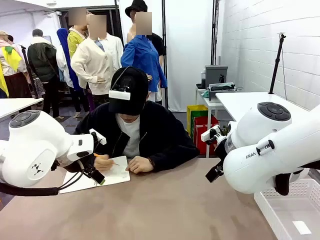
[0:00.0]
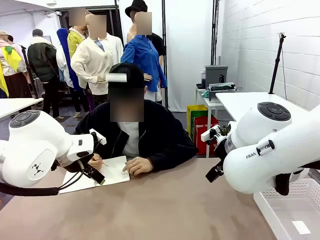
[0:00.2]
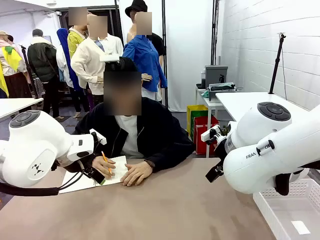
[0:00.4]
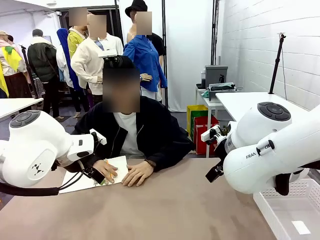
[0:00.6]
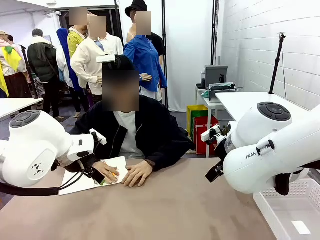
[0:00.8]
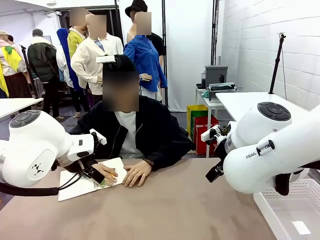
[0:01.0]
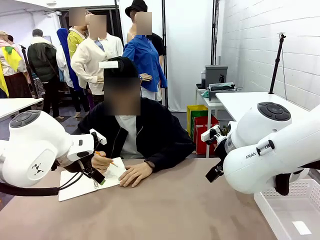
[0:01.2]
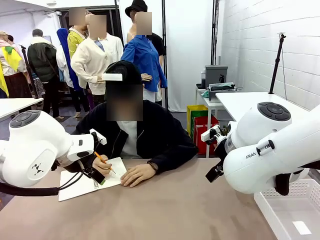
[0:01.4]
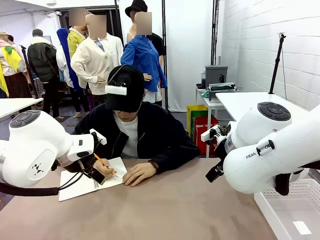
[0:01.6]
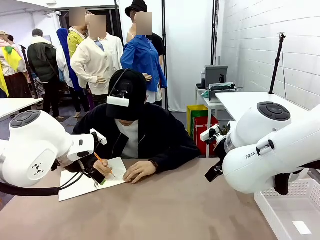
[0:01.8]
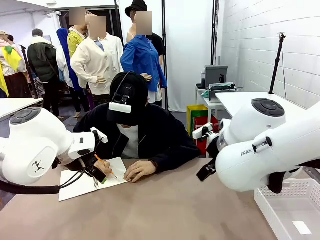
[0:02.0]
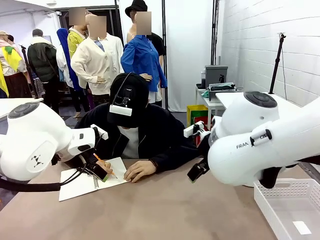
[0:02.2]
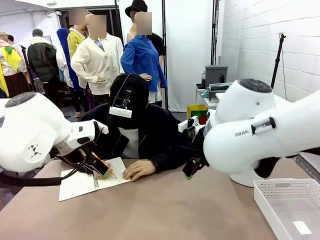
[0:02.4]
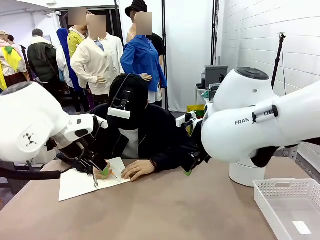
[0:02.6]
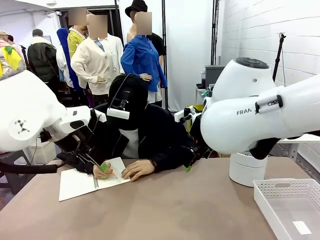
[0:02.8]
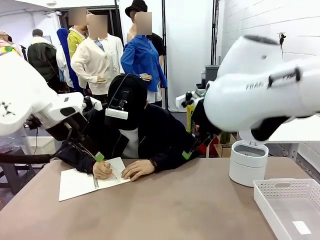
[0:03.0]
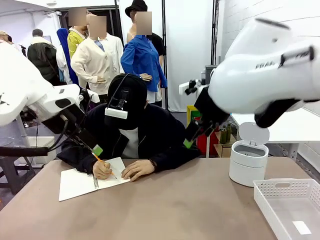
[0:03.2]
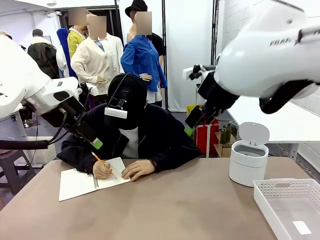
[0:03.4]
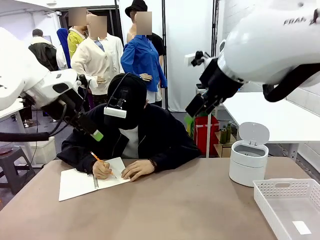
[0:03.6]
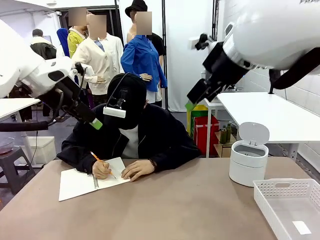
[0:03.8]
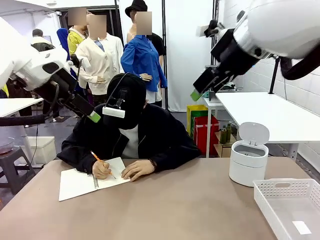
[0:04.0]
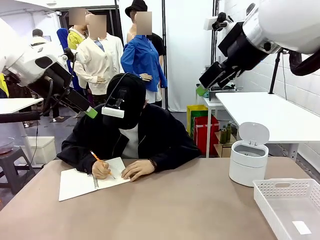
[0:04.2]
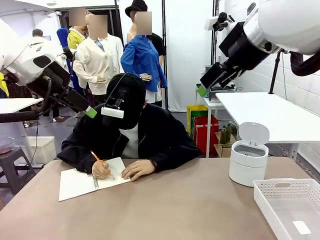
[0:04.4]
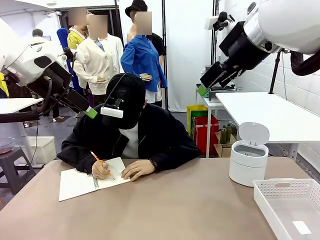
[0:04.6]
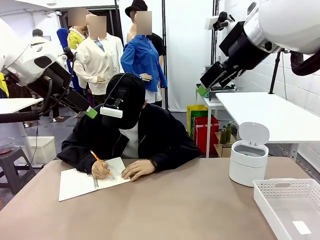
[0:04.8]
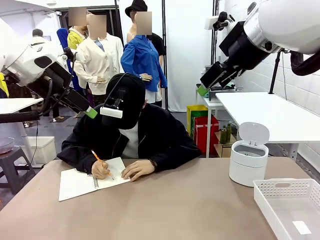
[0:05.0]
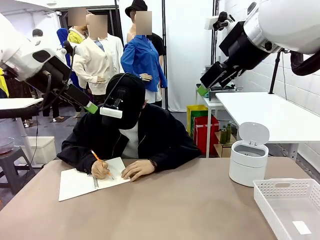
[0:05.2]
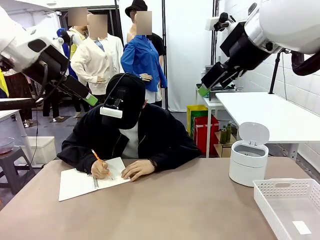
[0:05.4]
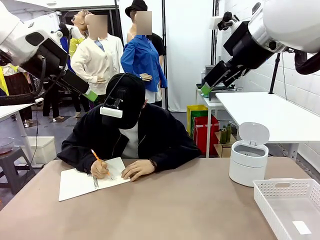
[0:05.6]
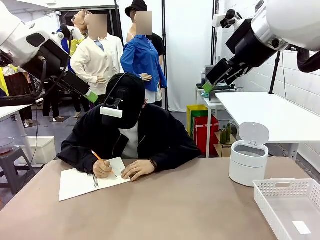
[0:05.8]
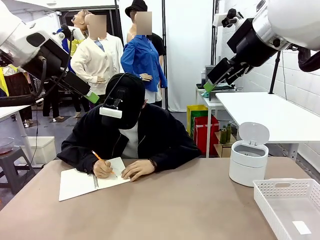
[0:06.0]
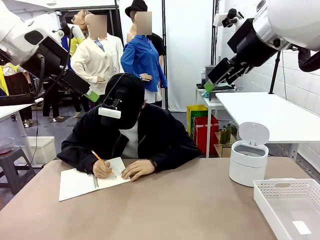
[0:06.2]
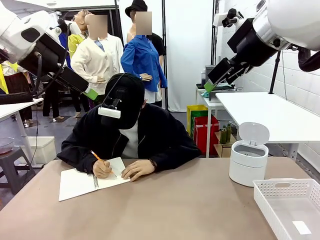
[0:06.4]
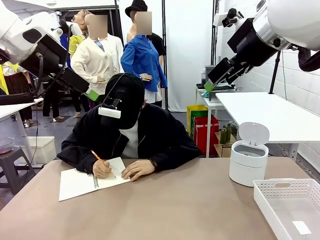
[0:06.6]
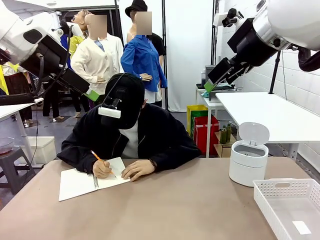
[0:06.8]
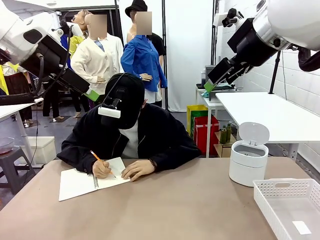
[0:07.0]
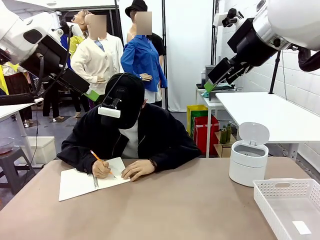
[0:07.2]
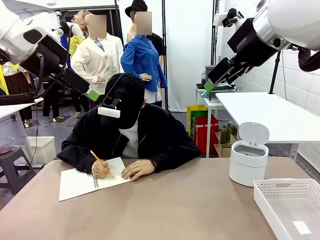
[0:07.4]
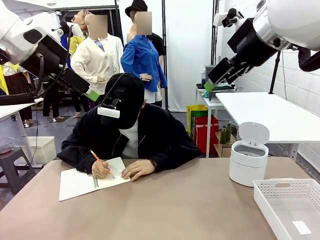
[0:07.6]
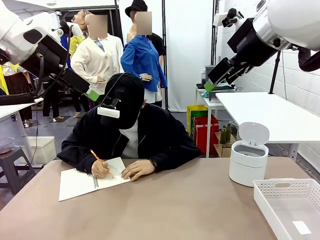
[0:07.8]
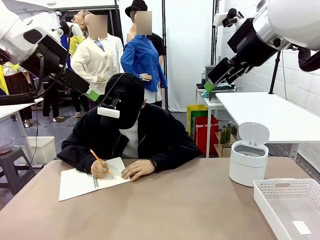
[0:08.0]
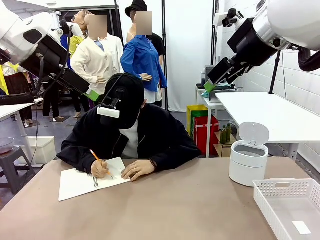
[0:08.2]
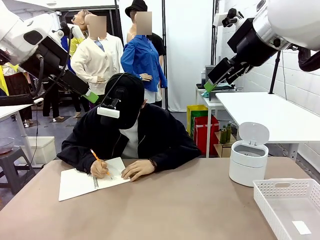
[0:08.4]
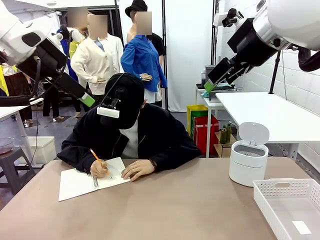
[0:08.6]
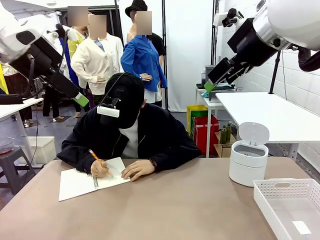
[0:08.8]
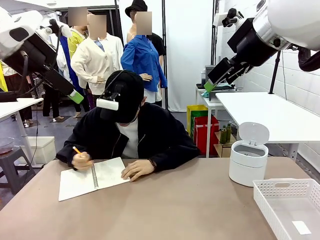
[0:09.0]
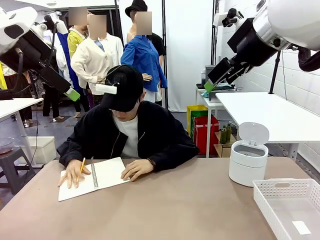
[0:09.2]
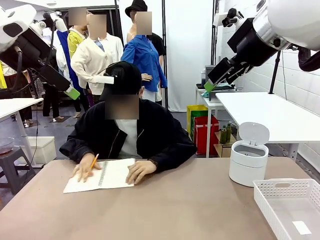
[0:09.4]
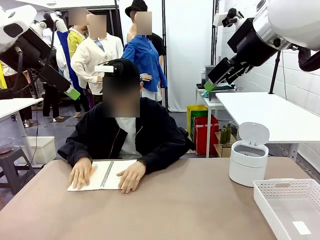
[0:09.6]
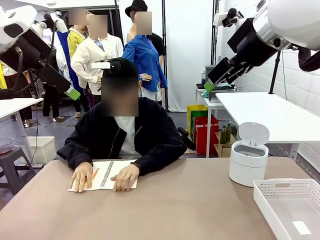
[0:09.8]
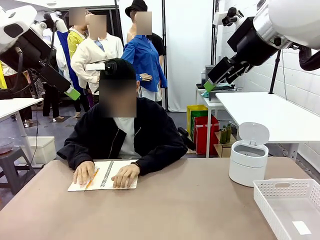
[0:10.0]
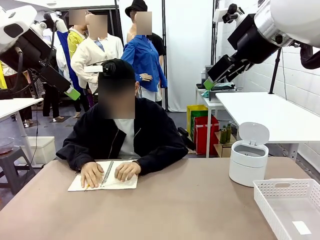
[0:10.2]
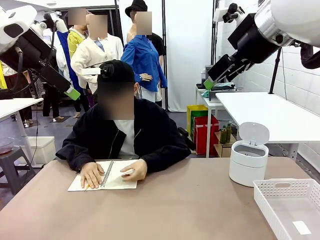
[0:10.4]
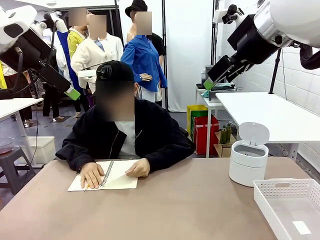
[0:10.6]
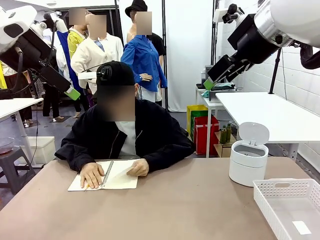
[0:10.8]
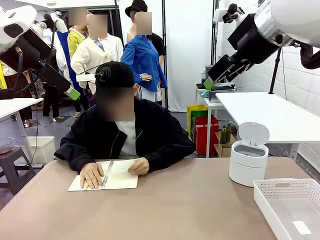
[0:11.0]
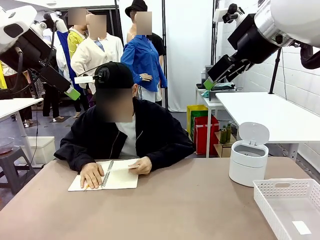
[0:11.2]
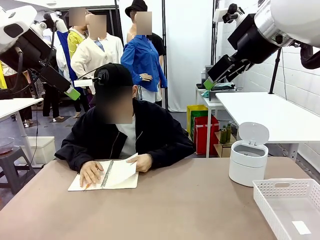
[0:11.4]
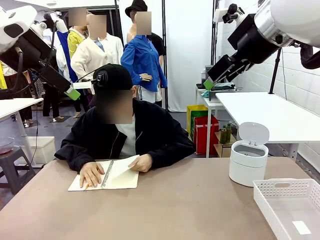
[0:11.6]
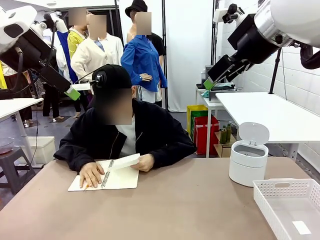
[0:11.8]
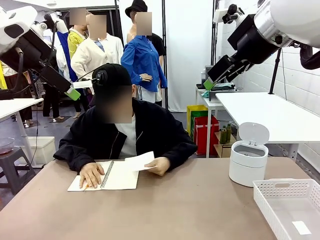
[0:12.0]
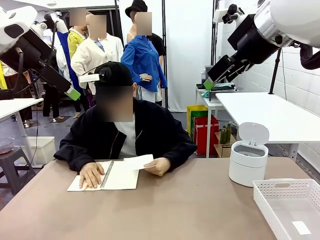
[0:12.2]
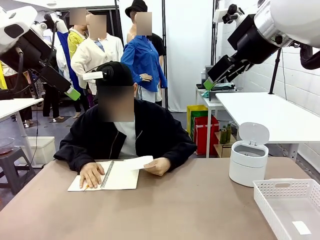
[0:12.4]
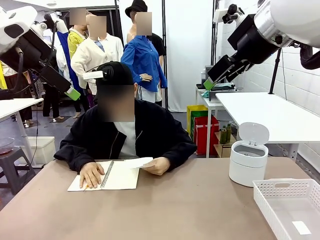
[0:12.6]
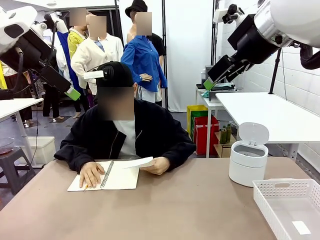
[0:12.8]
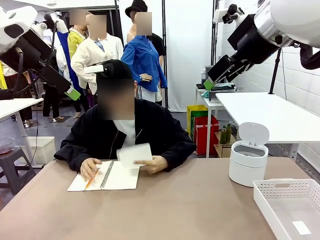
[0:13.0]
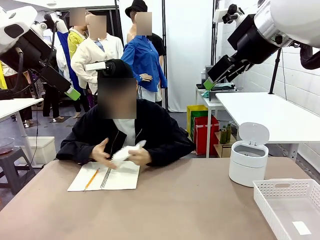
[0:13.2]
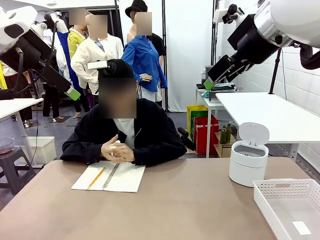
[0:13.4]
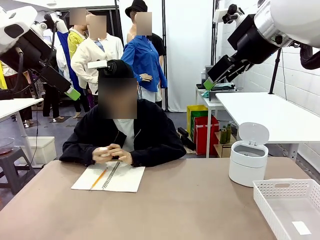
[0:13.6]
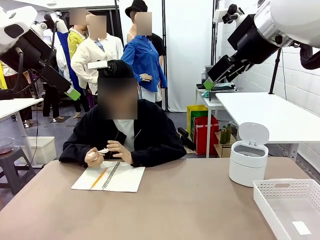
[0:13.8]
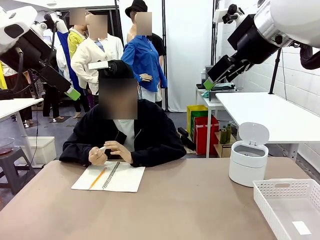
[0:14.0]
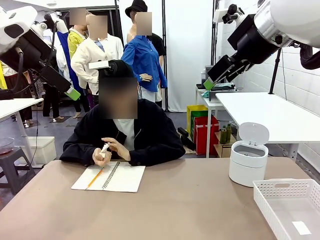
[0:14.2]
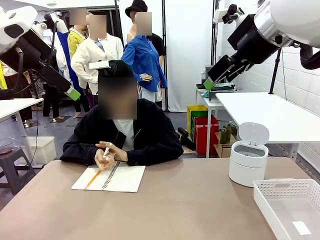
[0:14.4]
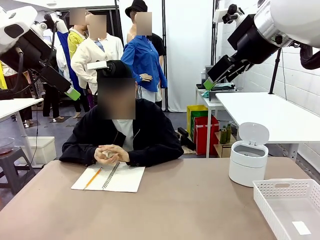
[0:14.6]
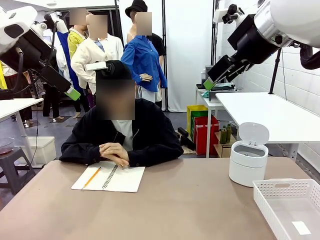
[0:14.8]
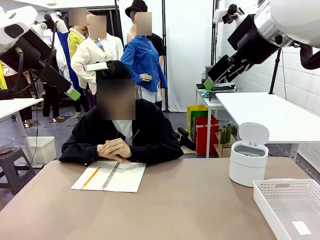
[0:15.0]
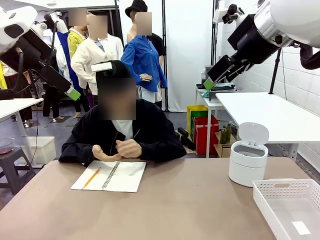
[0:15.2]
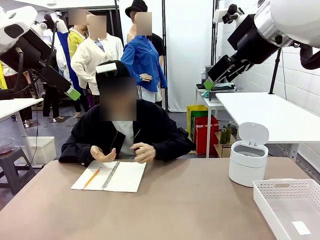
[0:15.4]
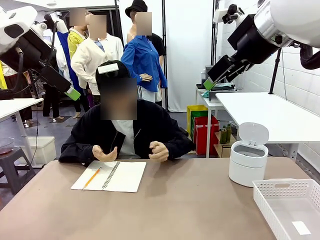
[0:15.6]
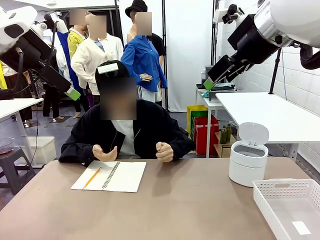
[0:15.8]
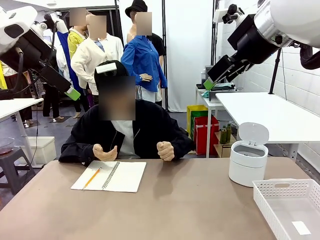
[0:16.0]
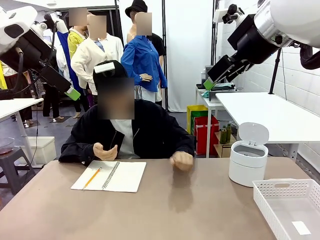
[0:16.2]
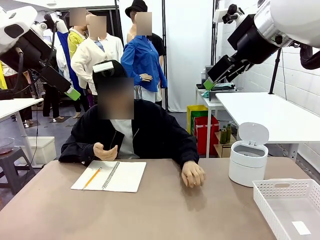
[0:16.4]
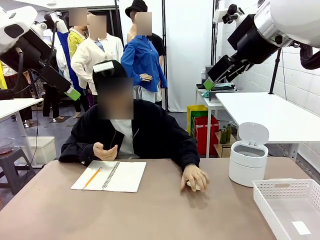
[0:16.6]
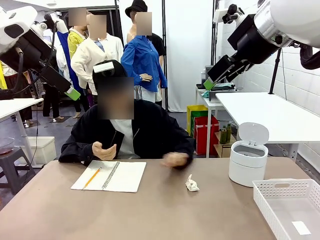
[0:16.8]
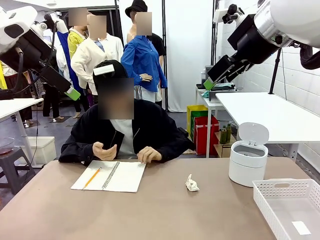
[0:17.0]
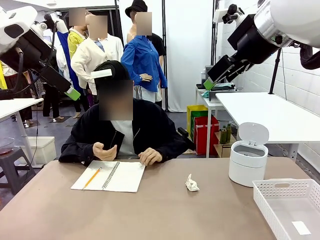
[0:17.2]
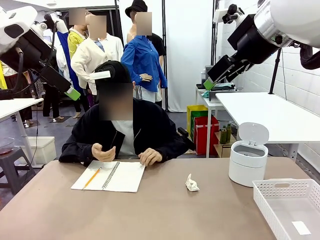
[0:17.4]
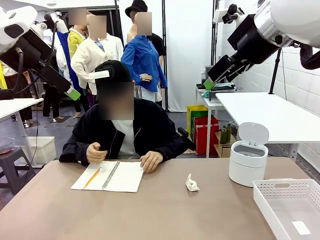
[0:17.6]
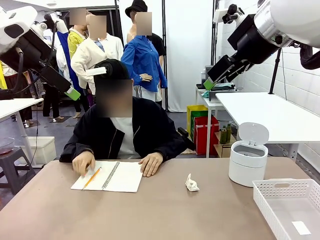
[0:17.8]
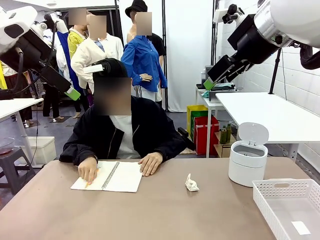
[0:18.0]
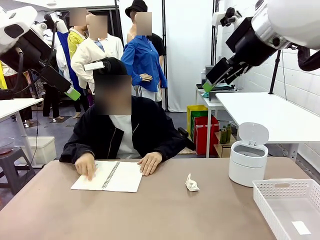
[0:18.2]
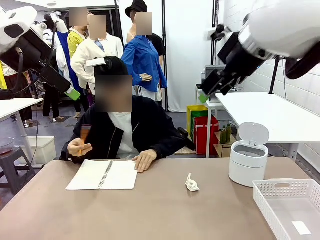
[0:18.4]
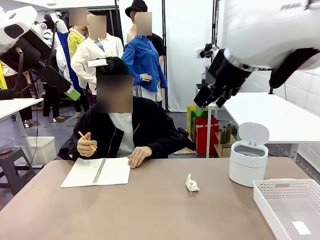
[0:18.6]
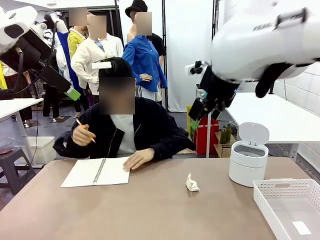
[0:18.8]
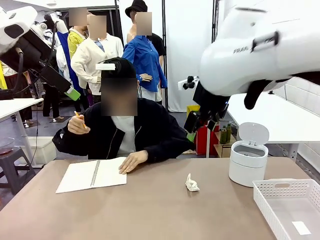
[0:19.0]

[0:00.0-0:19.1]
Task: Sort the paper based on its condition.
Robot: If a person hands you a paper, place it in the Organizing basket , and if it's crumpled, put it in the Trash can.
Person: Tear out a page from the spiral notebook. Hand the torn page to the robot or crumple it and throw it to the center of the table.
